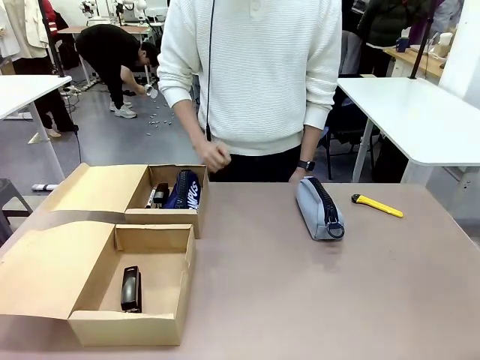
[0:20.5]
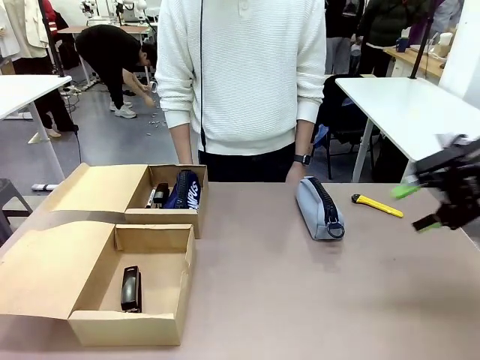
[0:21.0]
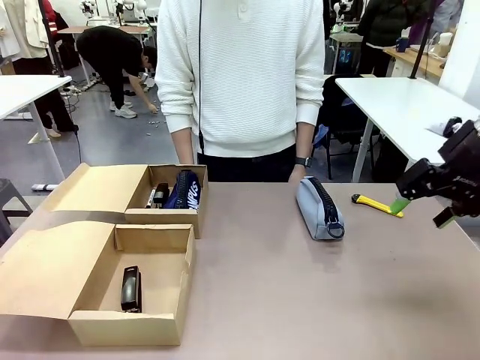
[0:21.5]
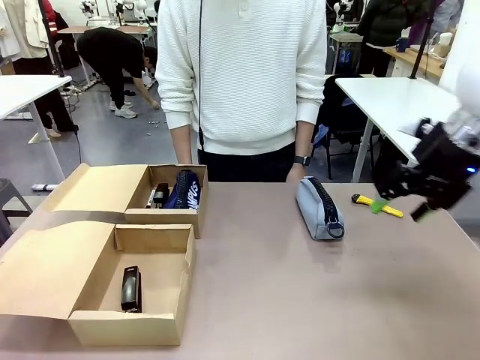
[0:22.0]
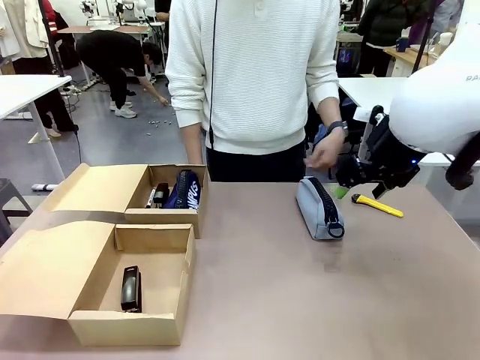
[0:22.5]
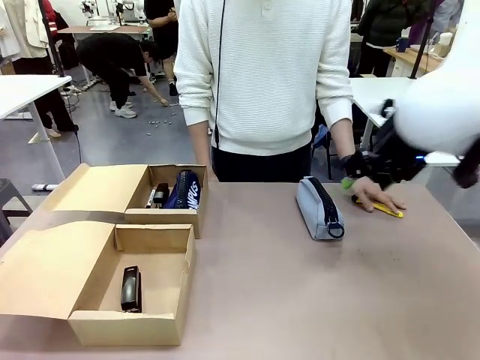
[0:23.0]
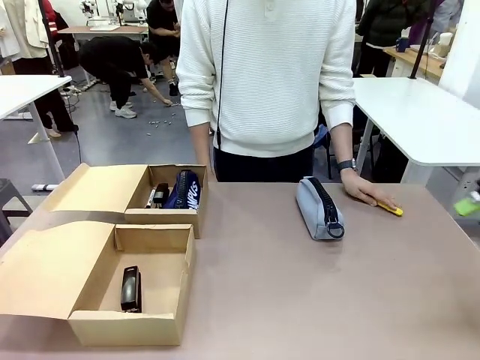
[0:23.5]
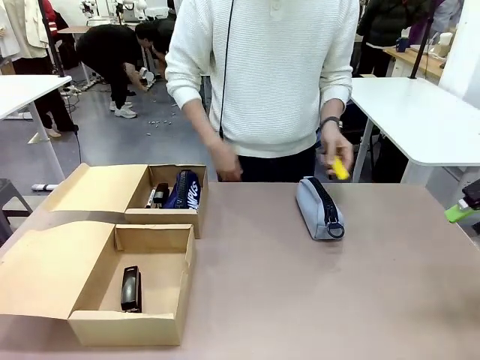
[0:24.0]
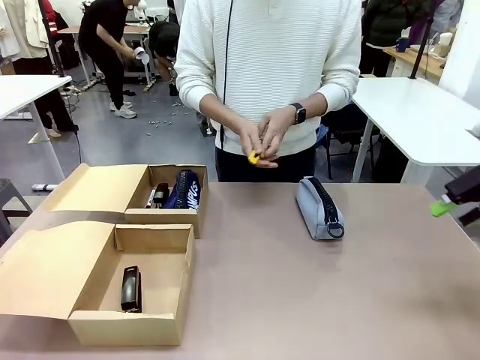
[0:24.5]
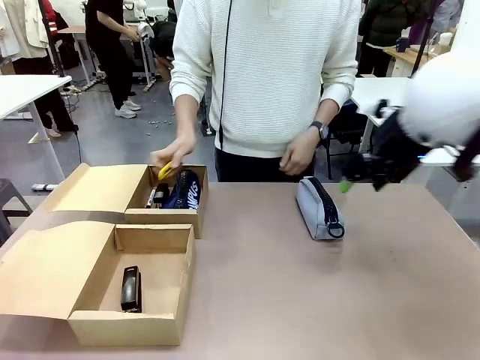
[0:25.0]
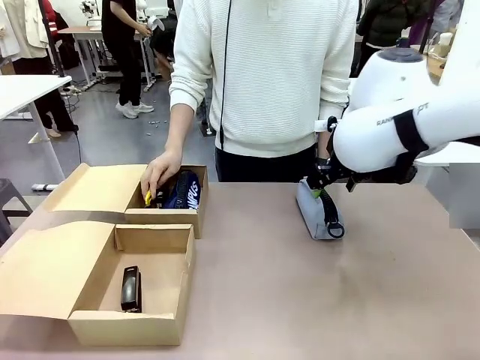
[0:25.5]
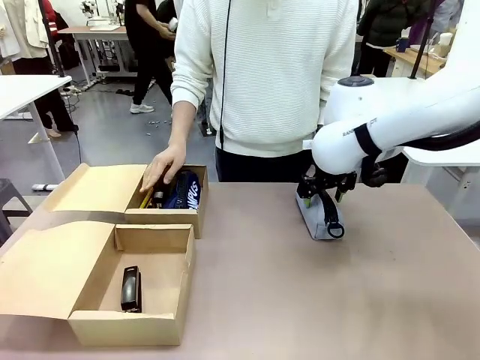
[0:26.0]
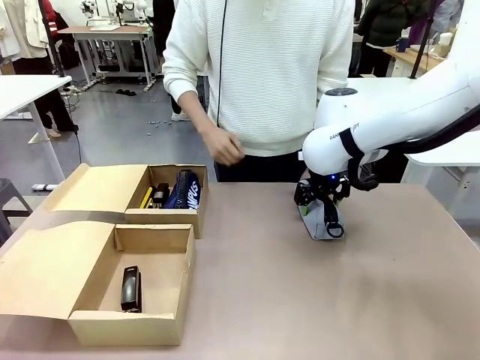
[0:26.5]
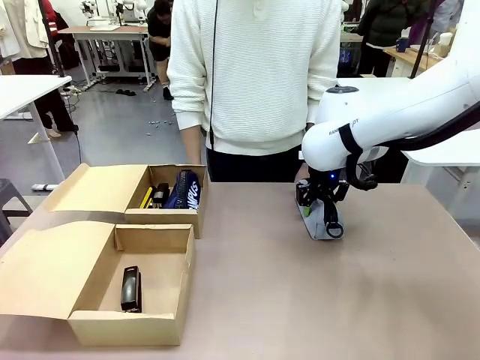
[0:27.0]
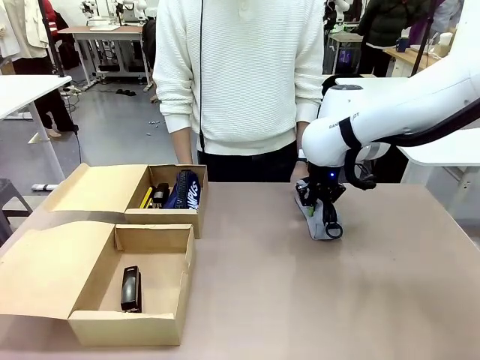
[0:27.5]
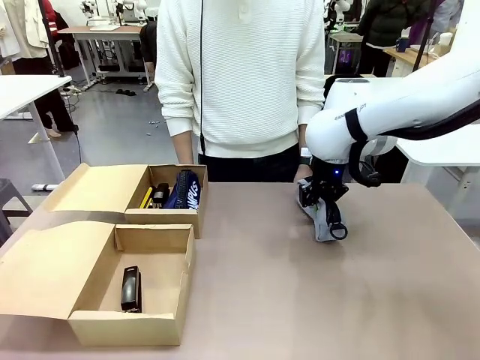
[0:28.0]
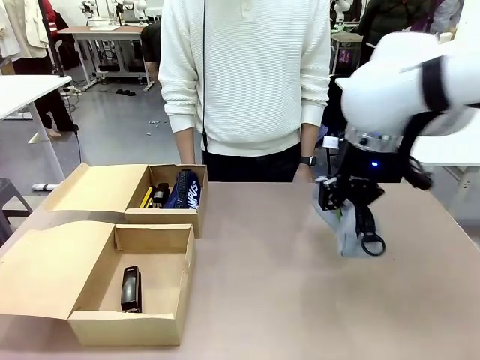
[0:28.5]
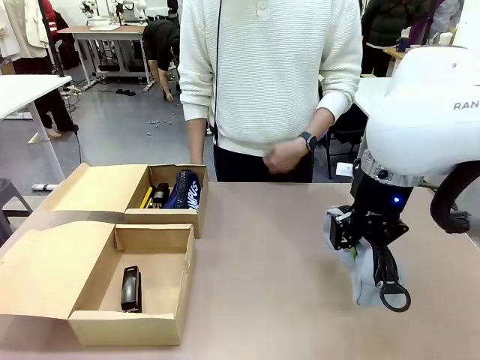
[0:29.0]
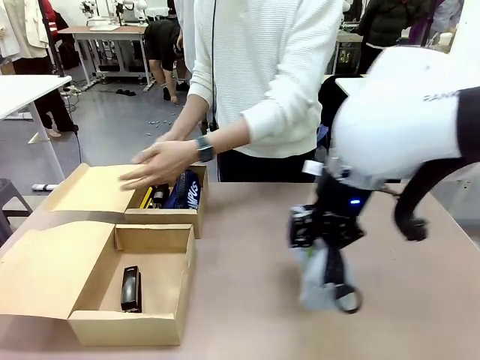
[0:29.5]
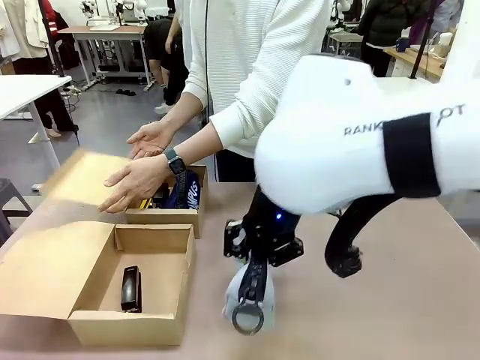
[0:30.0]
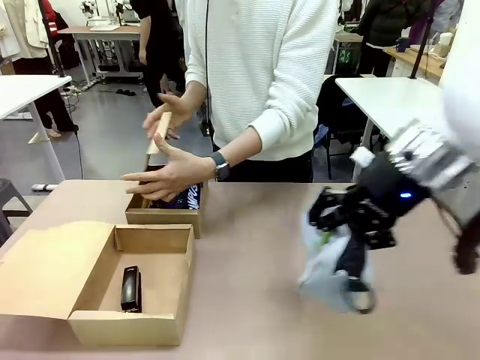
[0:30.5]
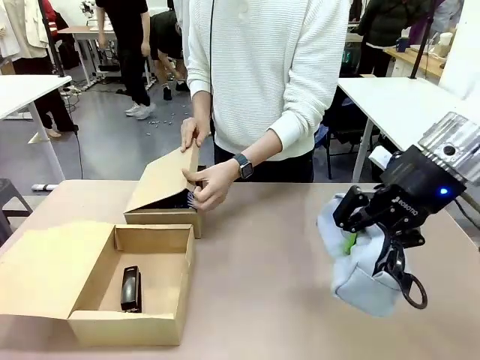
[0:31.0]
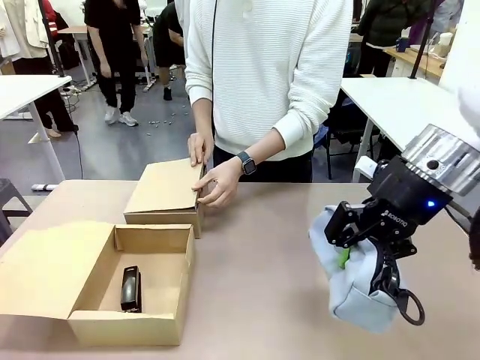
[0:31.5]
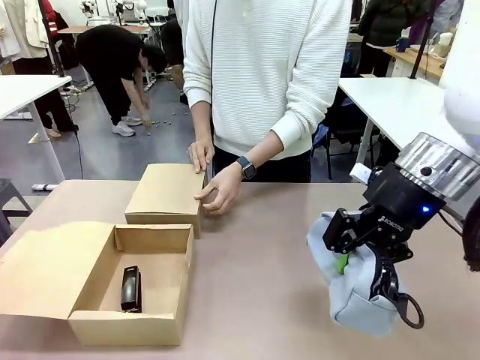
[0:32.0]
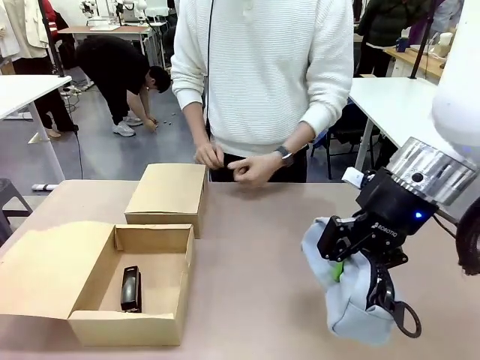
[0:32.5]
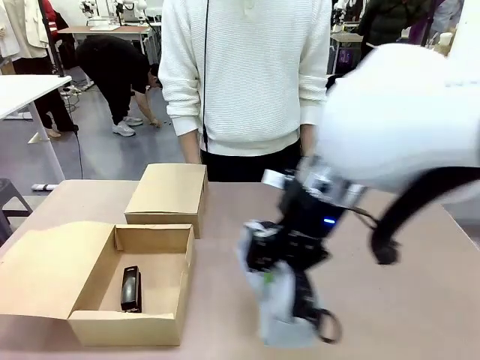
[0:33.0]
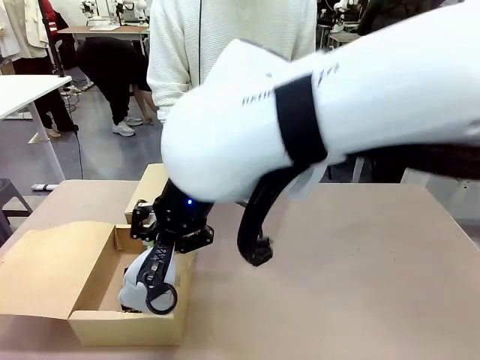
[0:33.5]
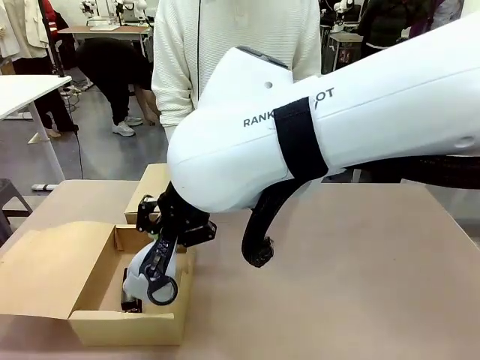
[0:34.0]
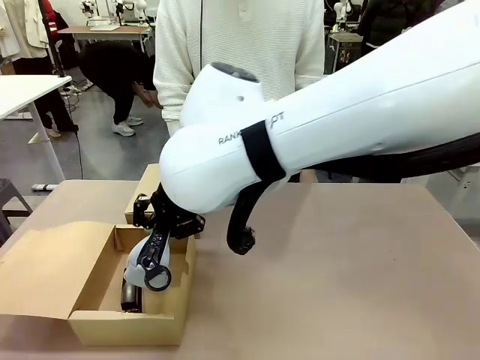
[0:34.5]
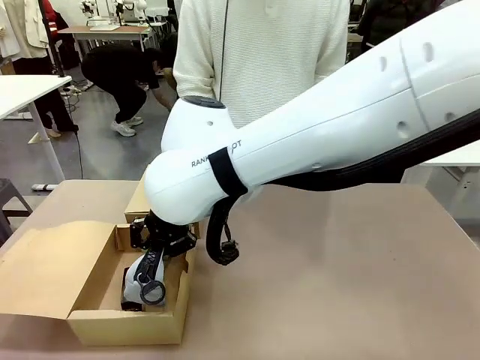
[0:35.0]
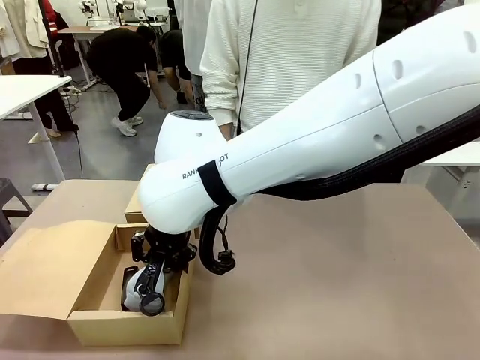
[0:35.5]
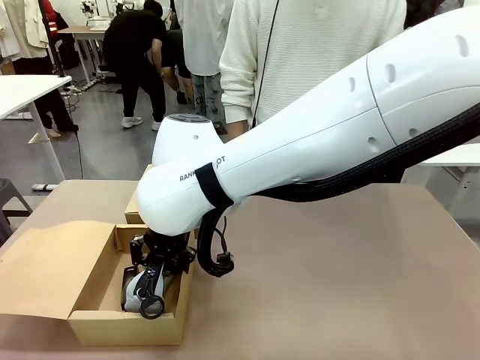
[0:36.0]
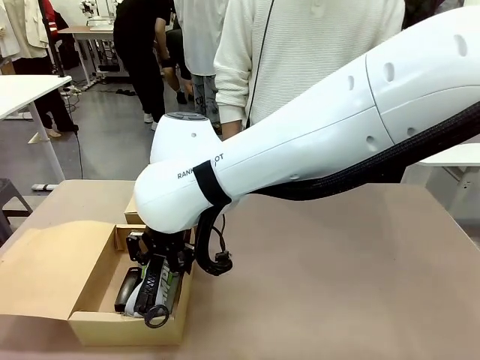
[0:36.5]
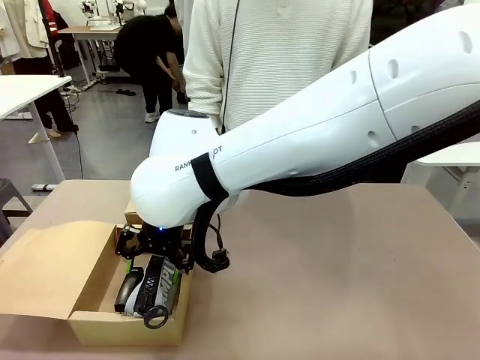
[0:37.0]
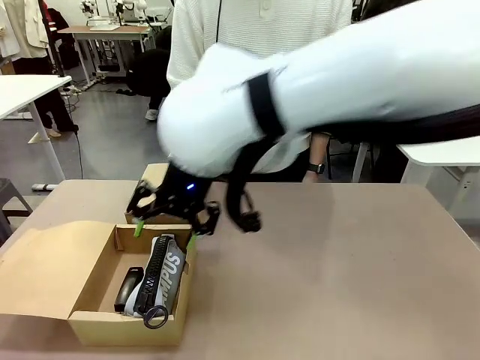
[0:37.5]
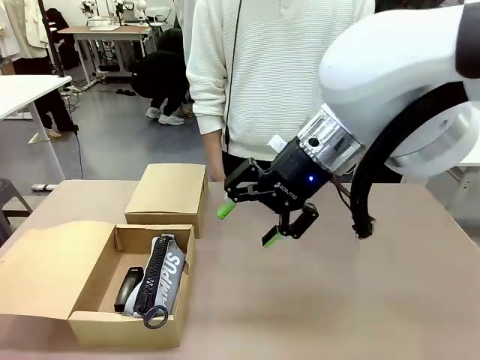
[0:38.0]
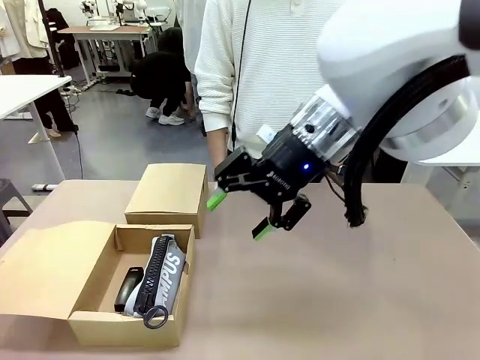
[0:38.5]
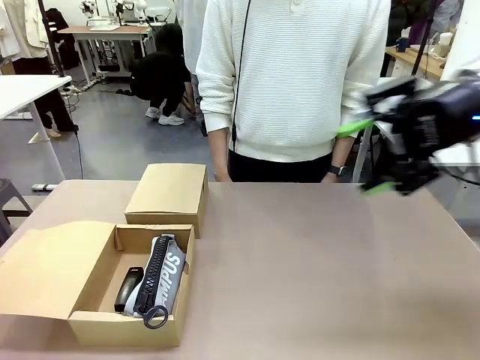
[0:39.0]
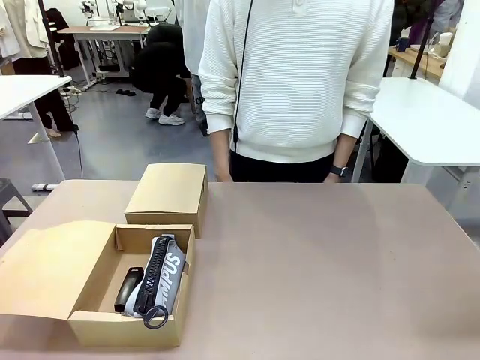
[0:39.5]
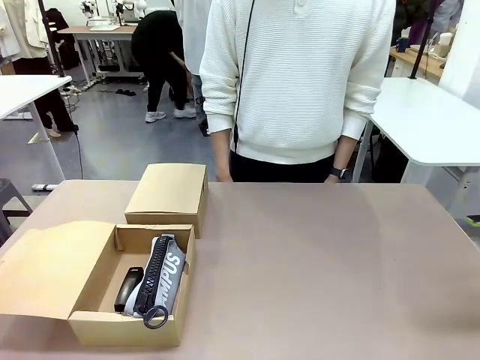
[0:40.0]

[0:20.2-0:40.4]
Task: Place items inside the box.
Robot: Pick up a Pencil pouch or Stapler and place it inside the Mailer Box closest to the robot.

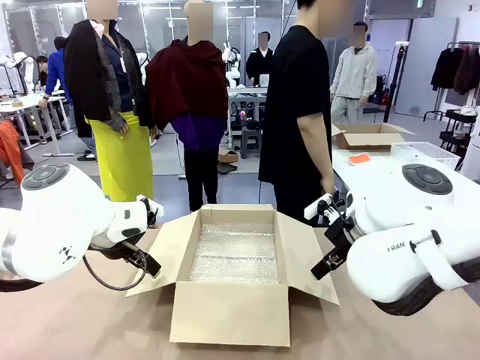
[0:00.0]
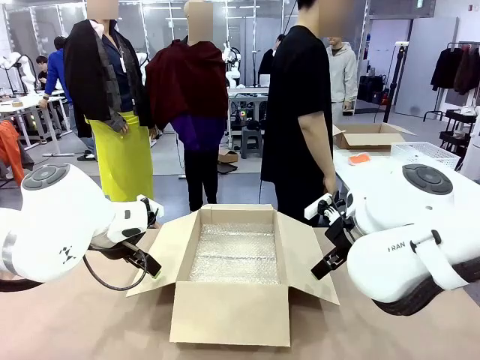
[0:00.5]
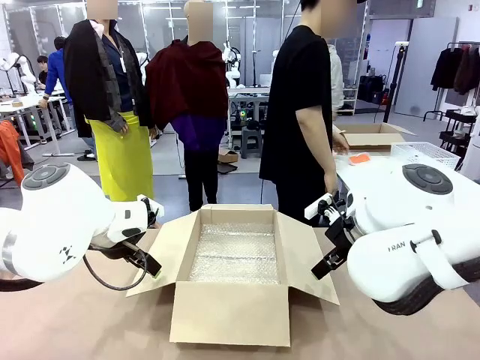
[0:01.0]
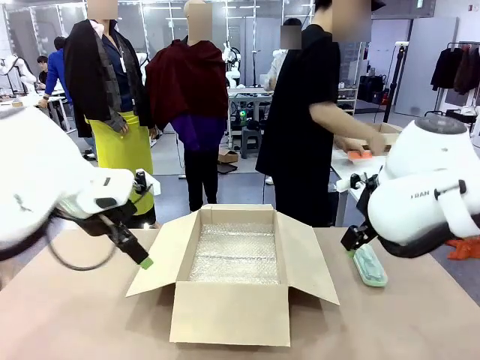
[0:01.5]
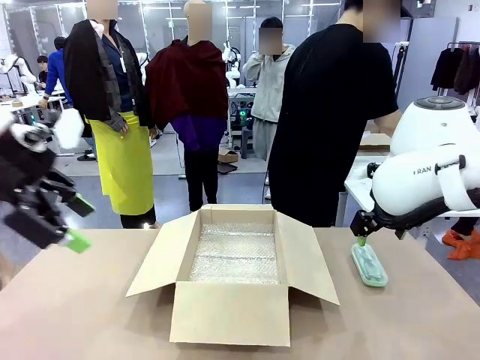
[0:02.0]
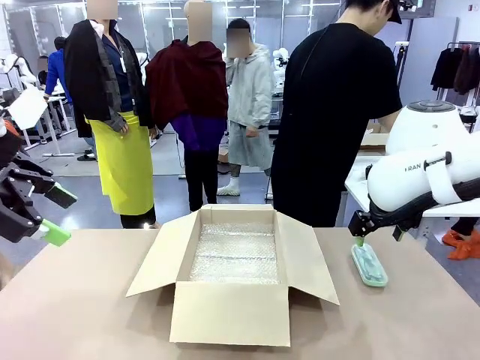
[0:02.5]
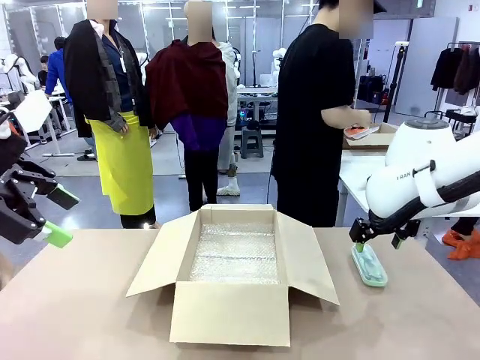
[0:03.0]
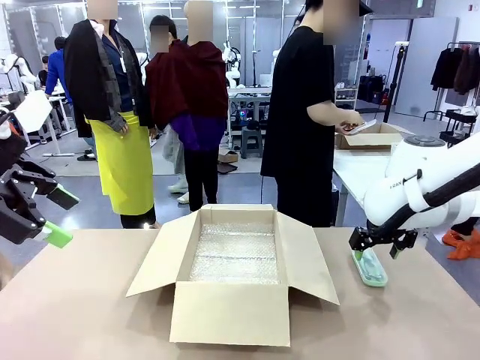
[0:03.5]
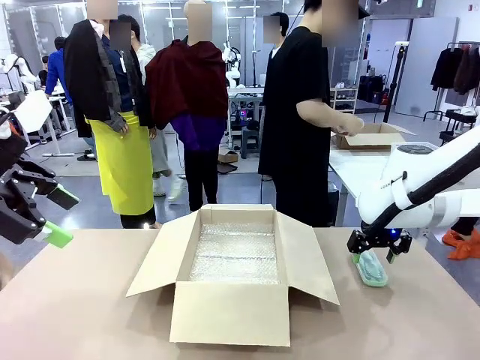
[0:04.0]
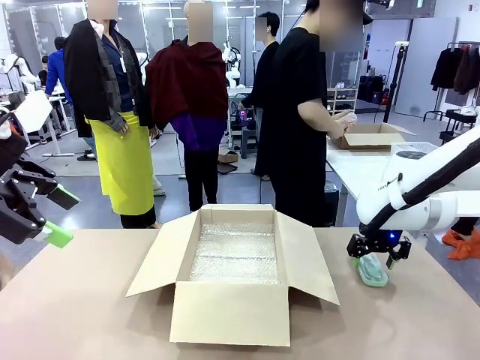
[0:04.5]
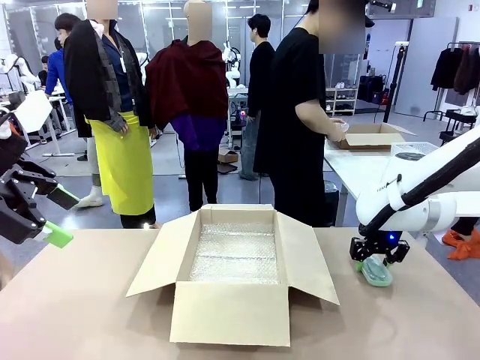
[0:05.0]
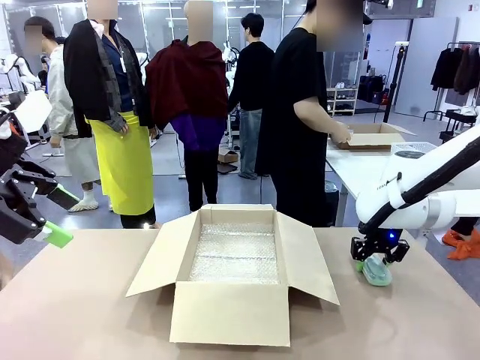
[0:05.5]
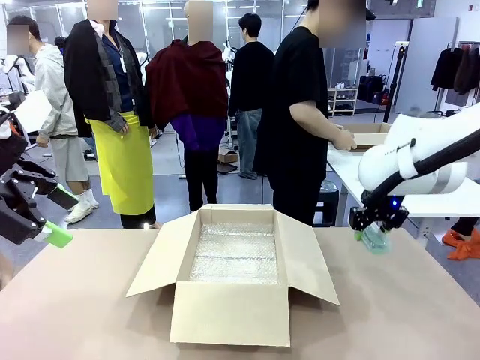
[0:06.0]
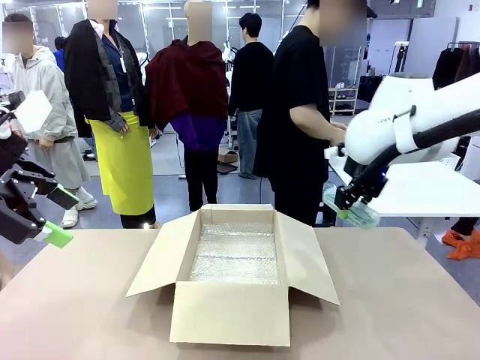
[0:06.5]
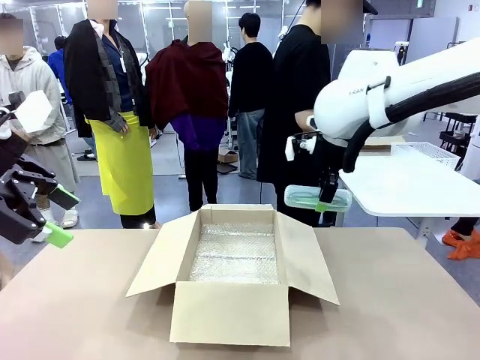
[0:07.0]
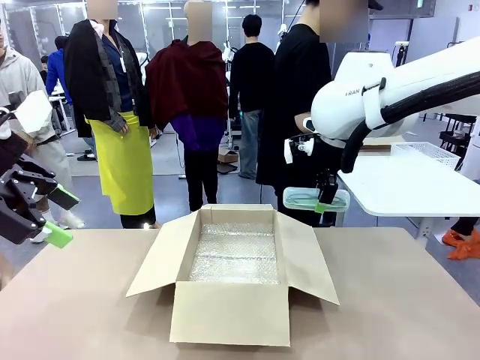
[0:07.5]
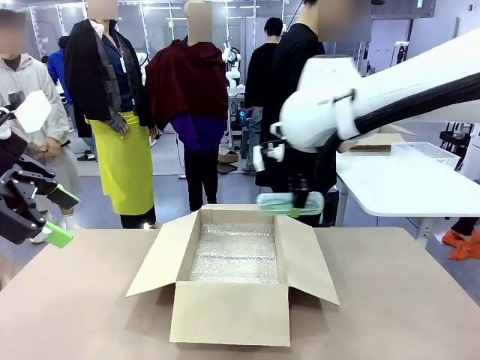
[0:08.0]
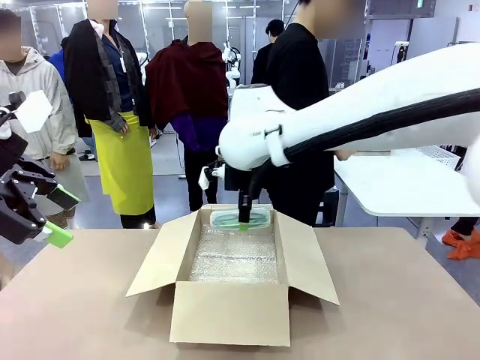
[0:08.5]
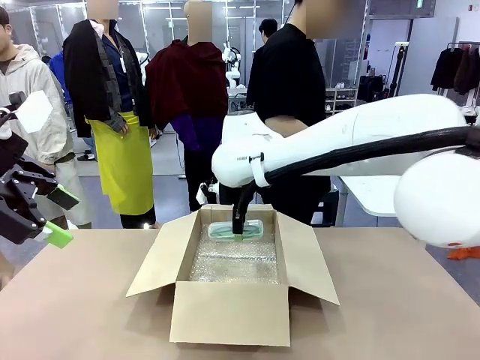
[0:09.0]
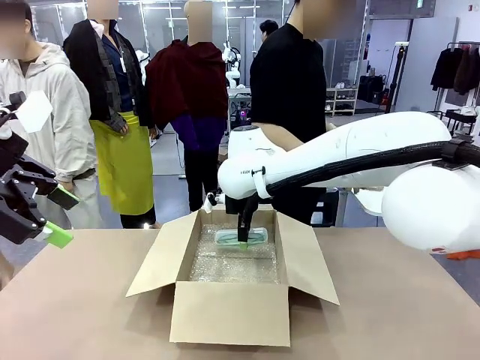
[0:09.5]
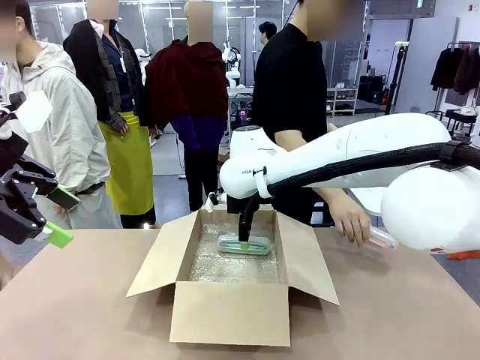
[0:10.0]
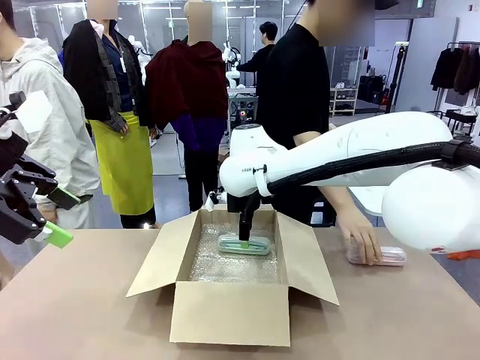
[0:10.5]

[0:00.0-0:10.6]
Task: Pack the glasses set securely to prepare it for shipping.
Robot: Place the Glasses case inside the Package Box.
Person: Place the Glasses inside the Glasses case. Position the Glasses case on the left side of the robot's table.
